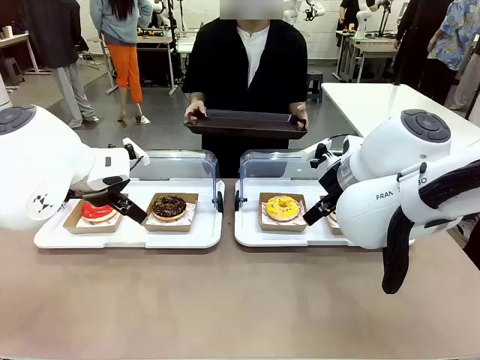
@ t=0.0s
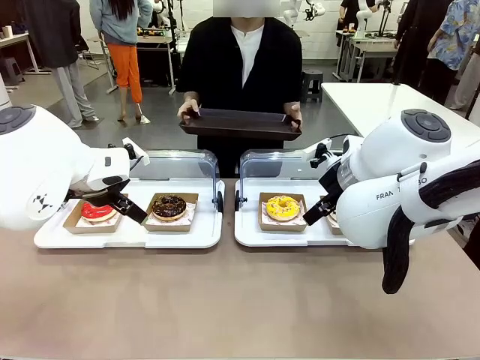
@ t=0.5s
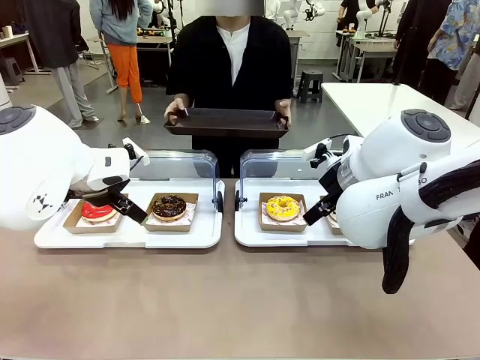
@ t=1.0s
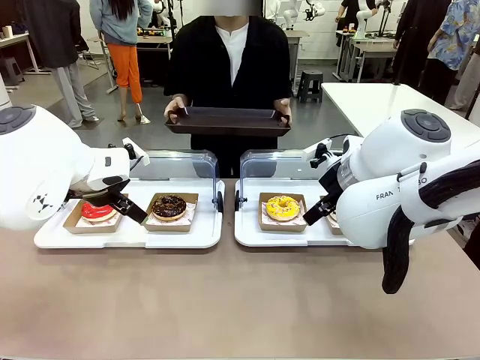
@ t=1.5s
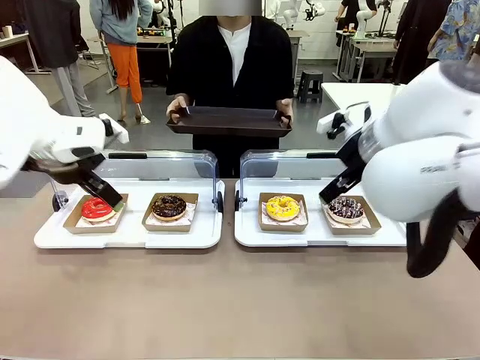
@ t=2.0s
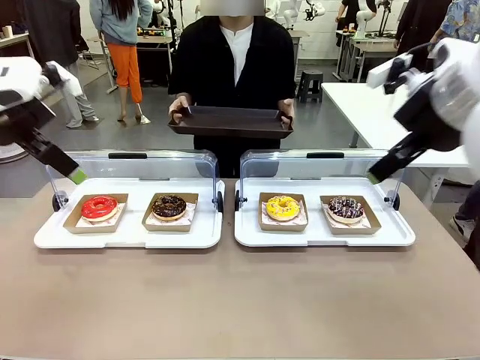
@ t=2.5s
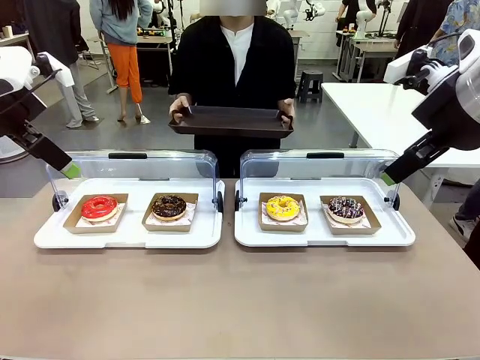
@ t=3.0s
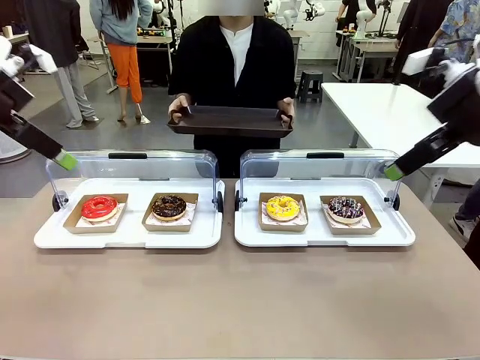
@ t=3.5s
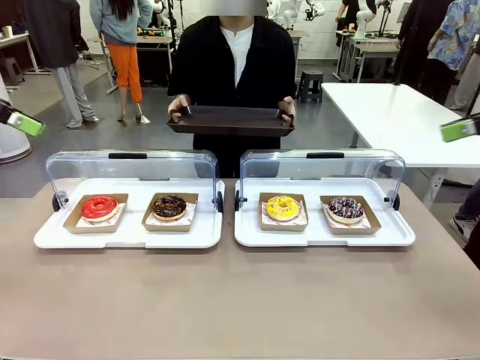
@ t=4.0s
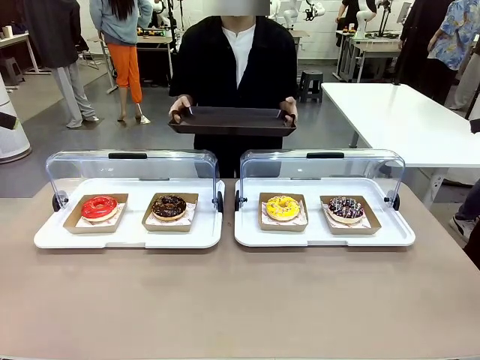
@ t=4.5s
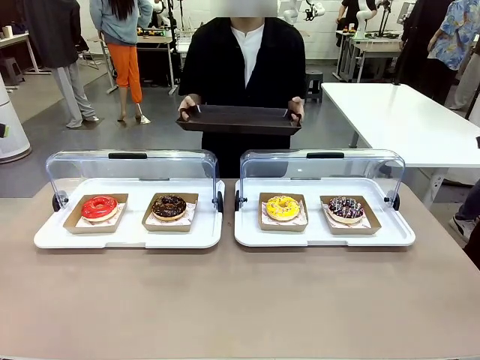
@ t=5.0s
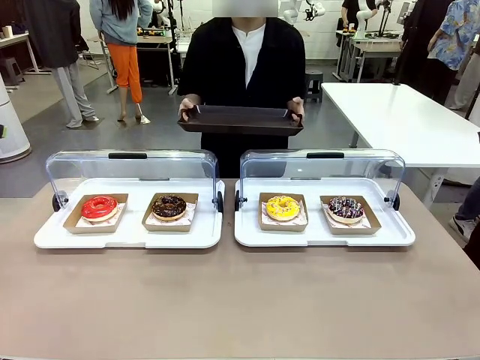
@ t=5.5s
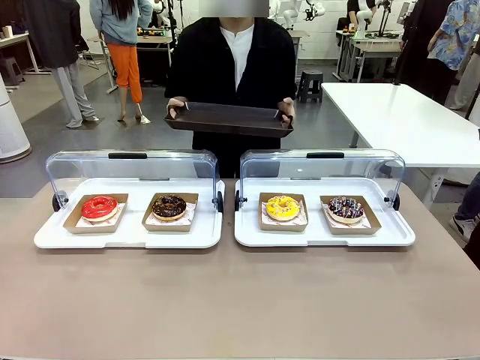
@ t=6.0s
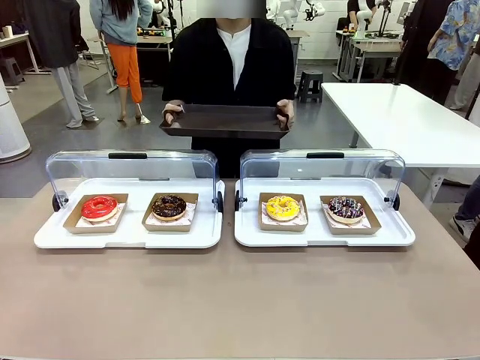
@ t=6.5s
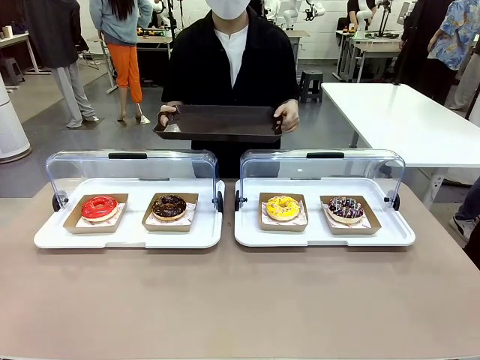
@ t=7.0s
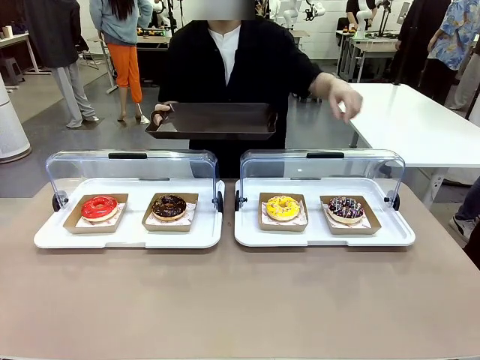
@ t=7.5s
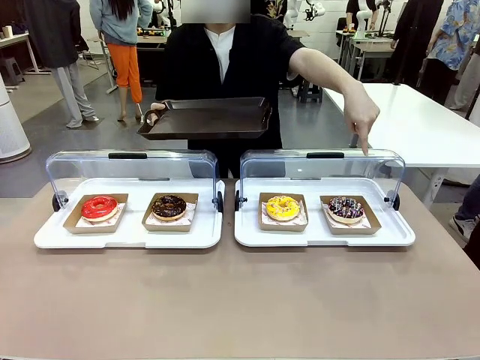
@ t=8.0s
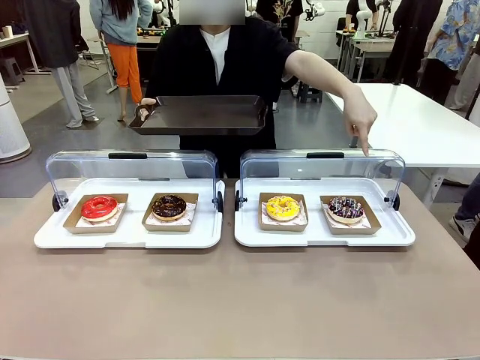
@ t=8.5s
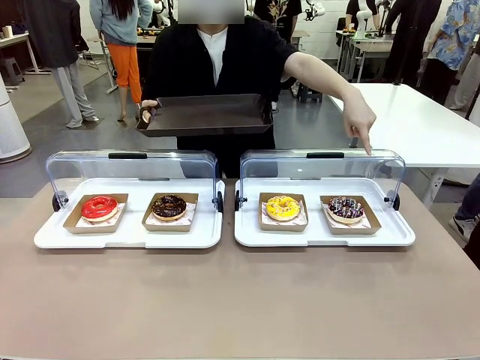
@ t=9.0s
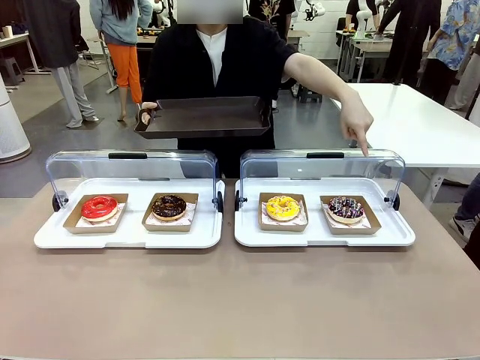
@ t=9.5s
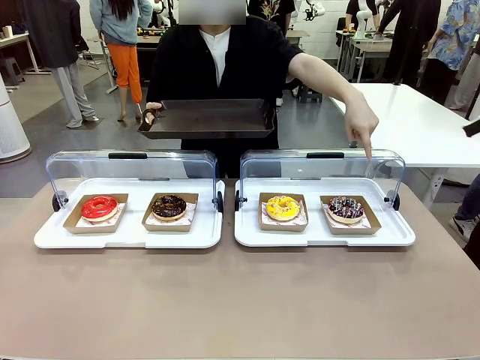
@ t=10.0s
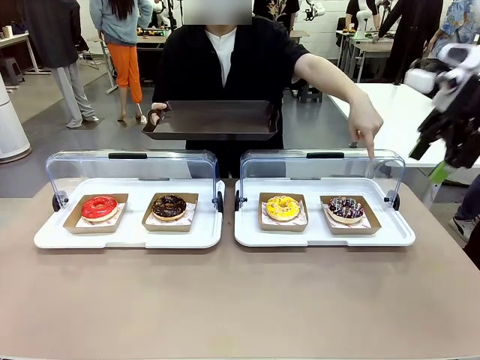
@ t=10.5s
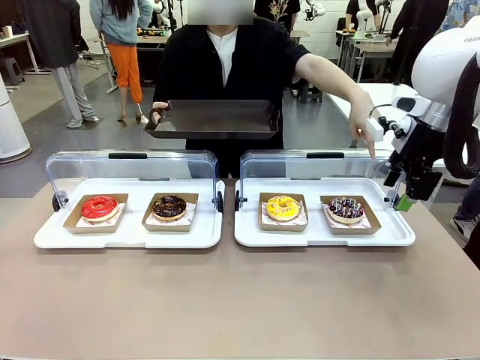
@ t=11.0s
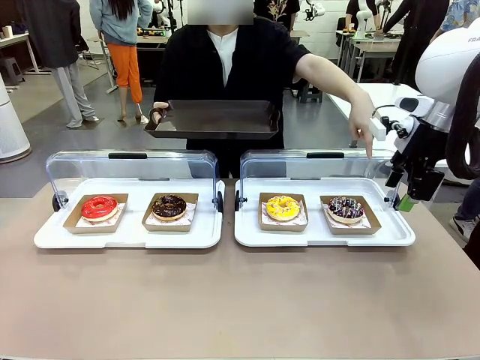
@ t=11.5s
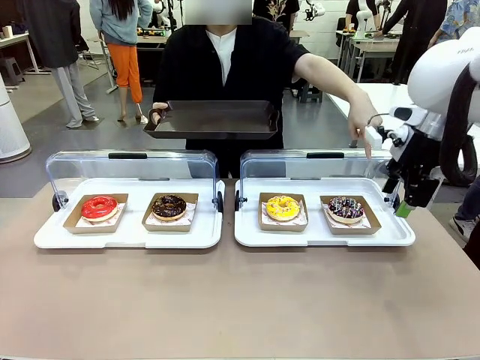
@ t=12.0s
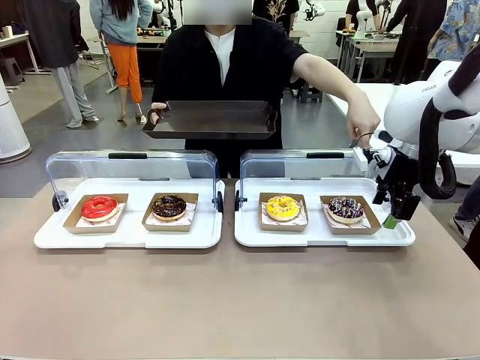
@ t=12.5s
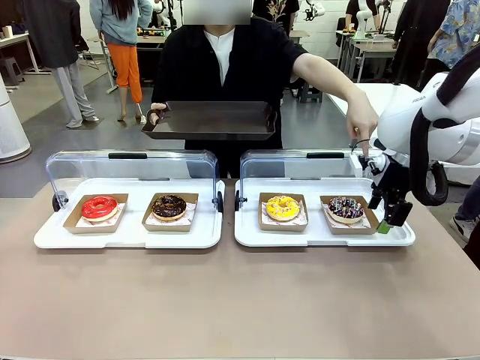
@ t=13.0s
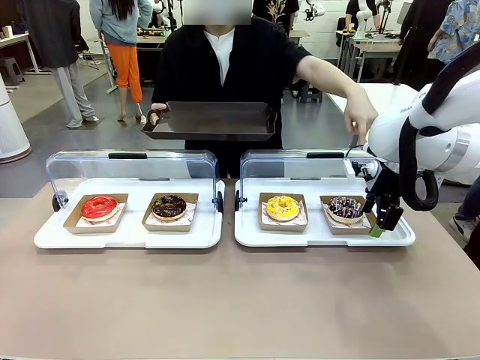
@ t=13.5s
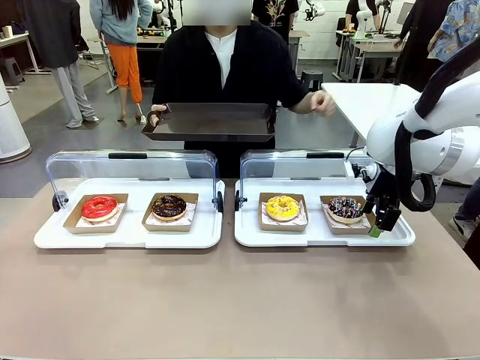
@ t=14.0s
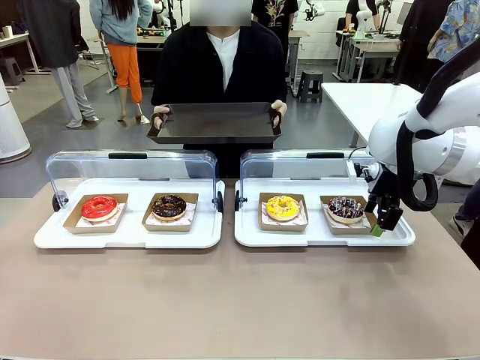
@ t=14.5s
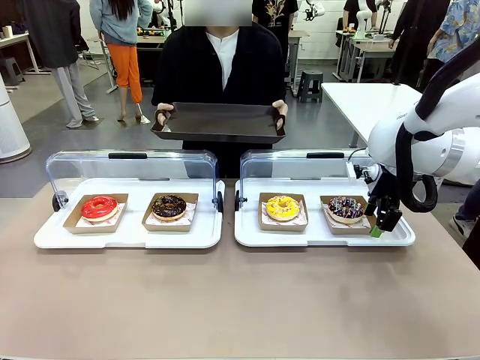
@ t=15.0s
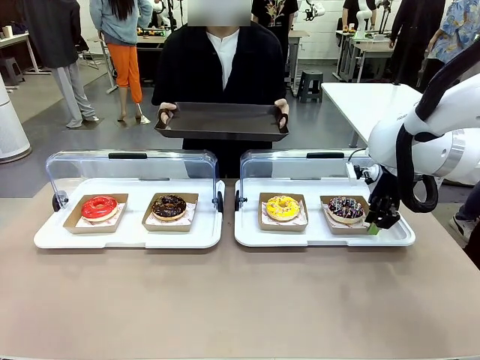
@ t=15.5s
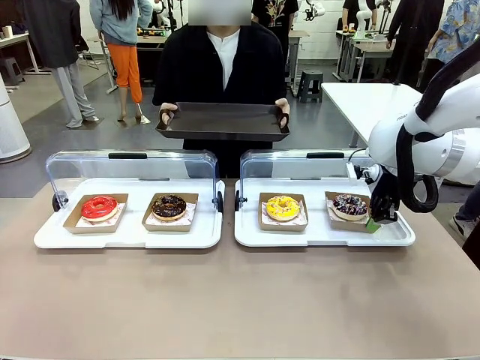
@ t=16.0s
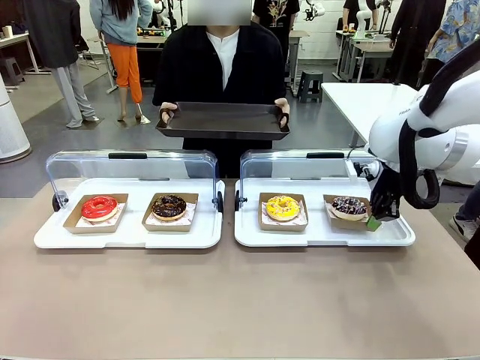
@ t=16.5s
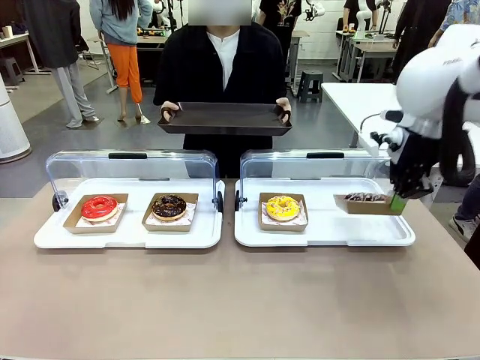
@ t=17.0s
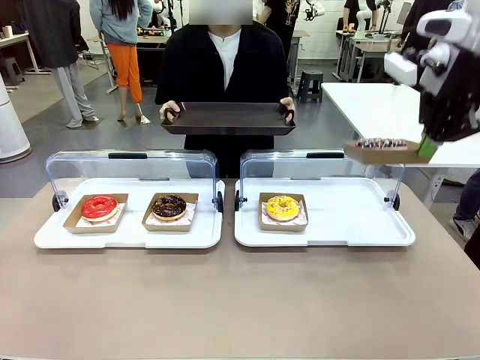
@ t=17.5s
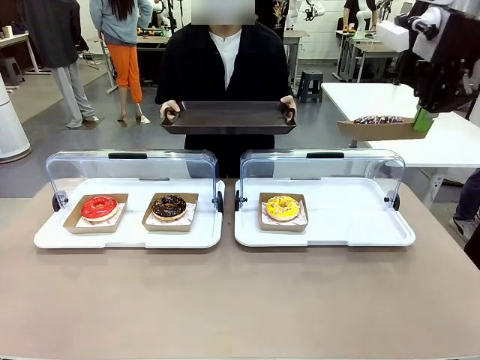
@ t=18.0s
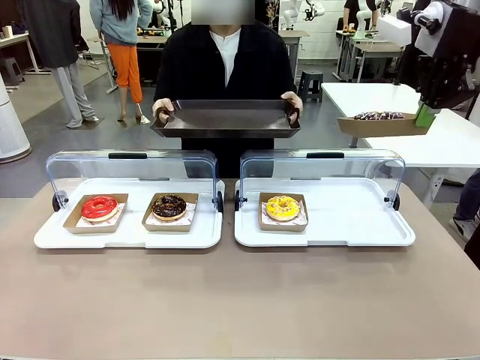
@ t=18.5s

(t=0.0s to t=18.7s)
Task: Provide the desired donut to the person.
Robot: Pick up and lift the Paper togo box containing the Donut pointed at by the person.
Person: Point to one donut. Lift the tray onto the Roll-Top Bakery Case.

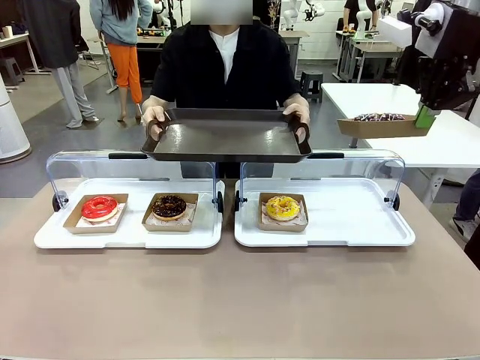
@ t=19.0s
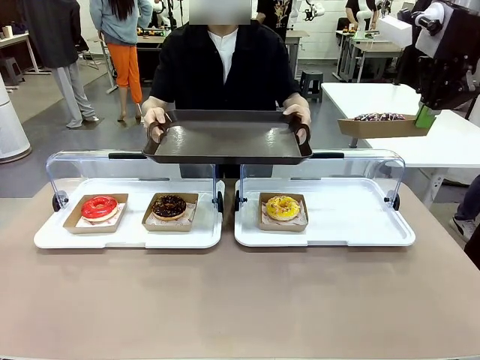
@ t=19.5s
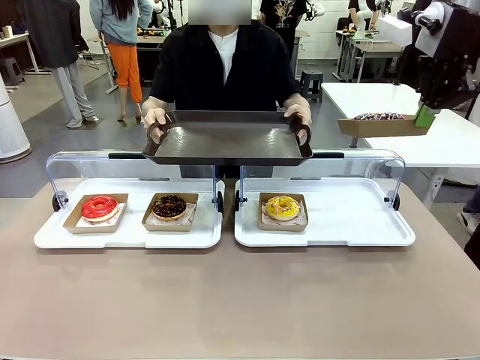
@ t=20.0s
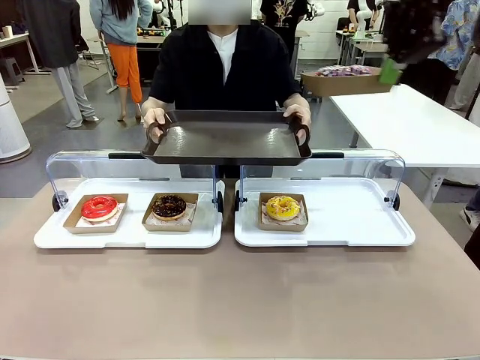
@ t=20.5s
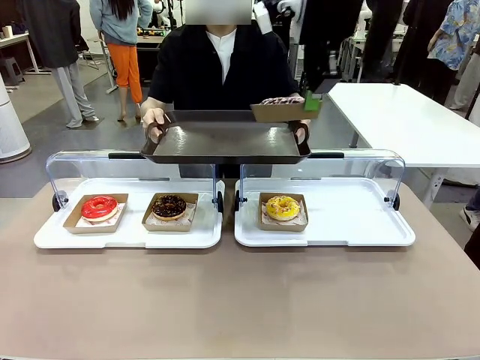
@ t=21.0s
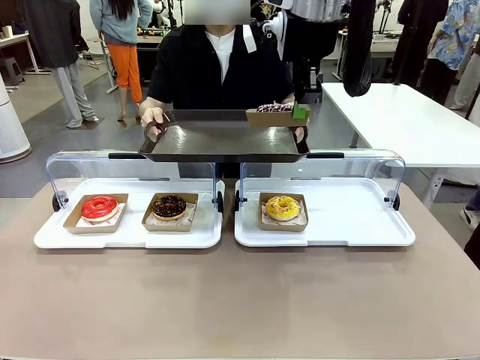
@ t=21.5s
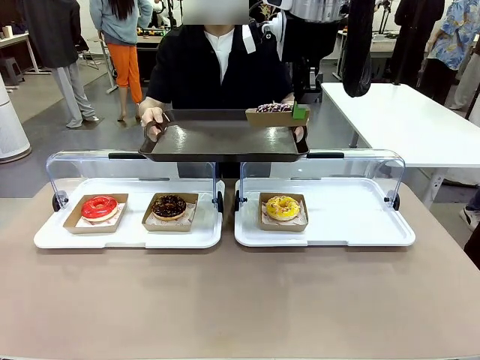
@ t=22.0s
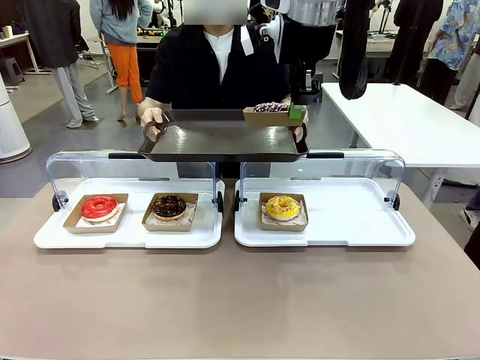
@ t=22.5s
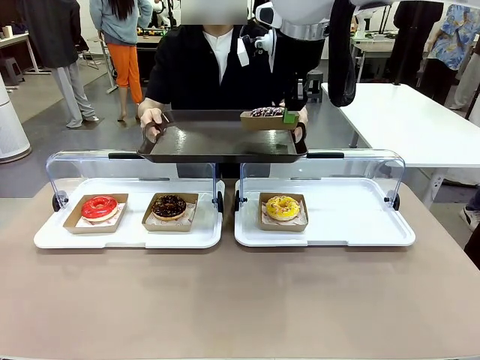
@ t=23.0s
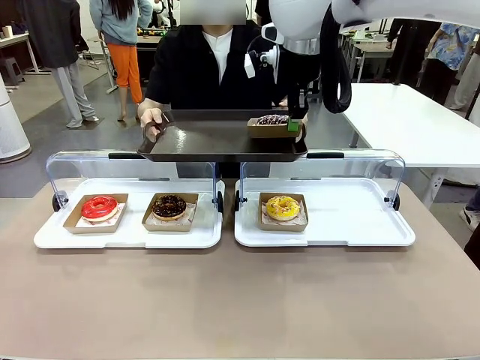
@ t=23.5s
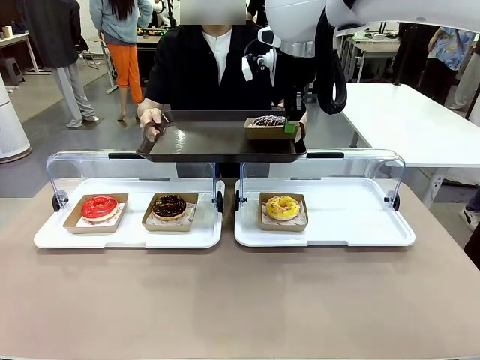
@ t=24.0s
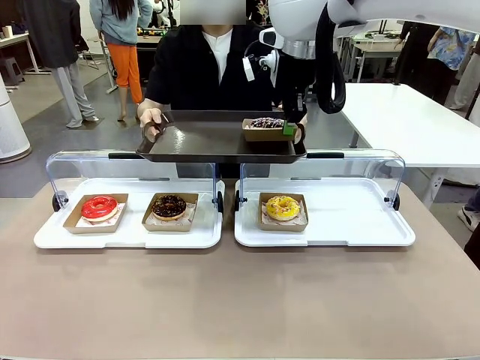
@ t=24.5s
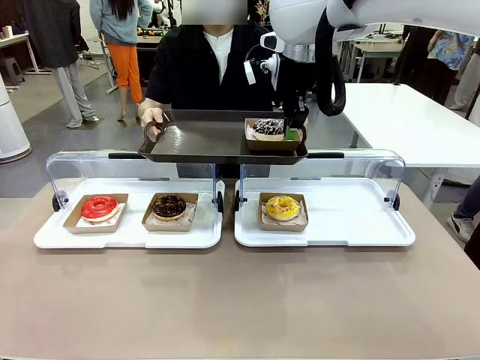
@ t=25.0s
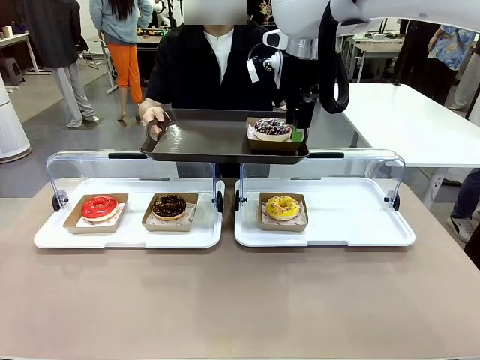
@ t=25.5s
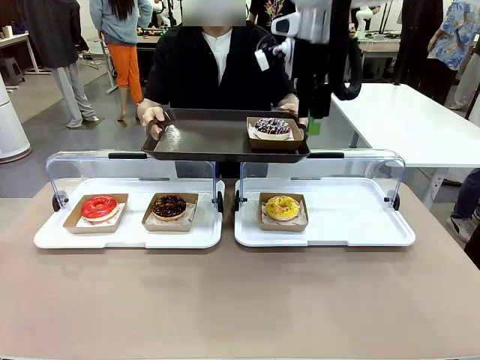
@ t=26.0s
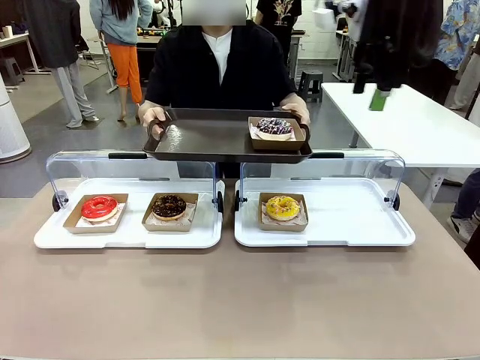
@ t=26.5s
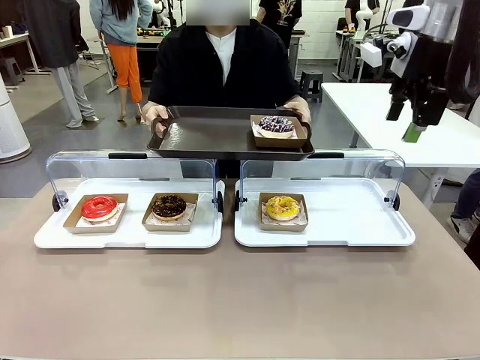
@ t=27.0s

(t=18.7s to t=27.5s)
Robot: Place the picked Paper togo box onto the Handle tray extended by the person.
